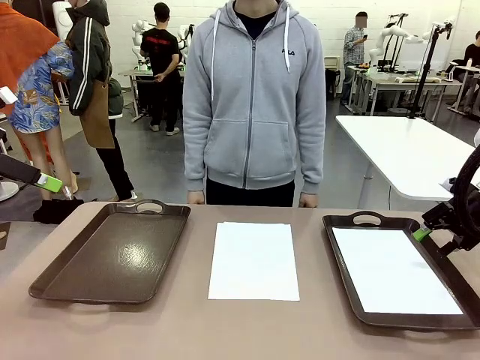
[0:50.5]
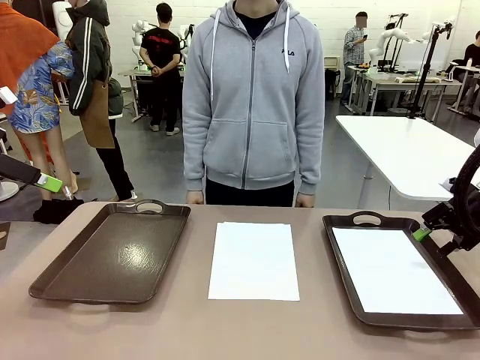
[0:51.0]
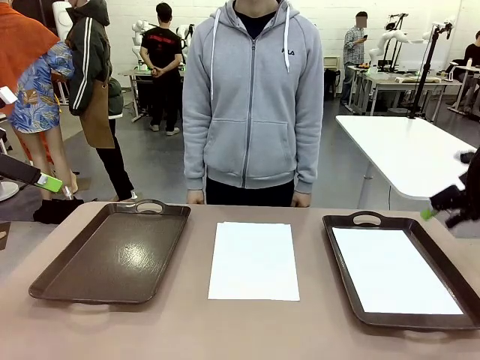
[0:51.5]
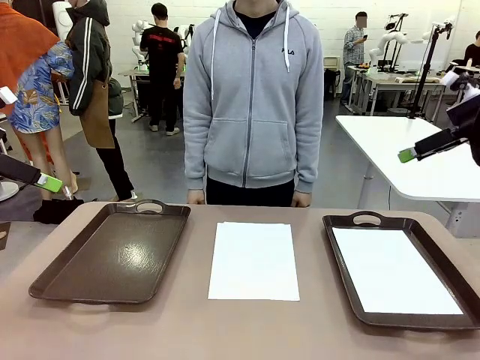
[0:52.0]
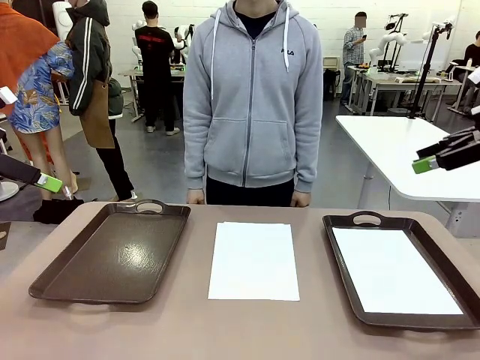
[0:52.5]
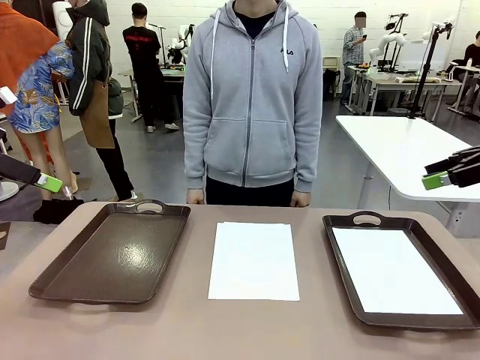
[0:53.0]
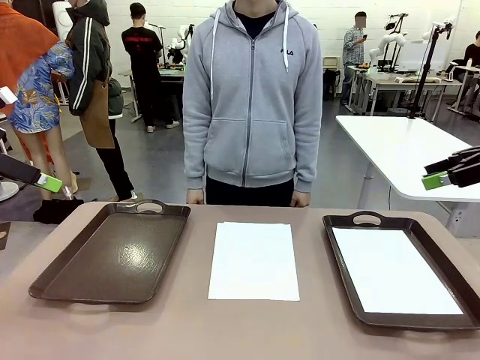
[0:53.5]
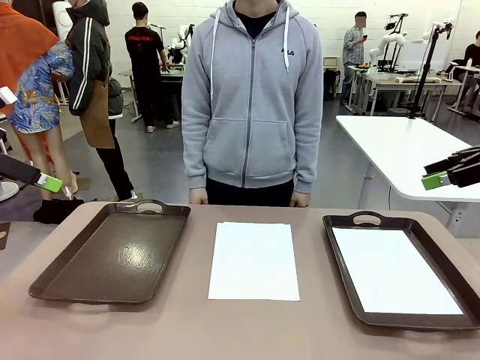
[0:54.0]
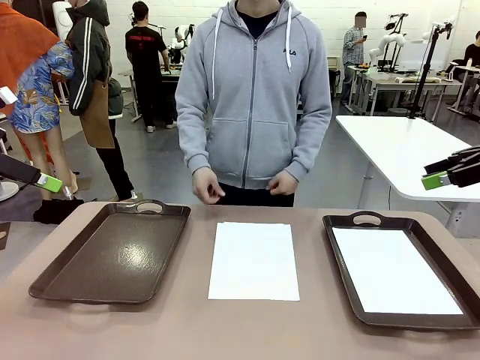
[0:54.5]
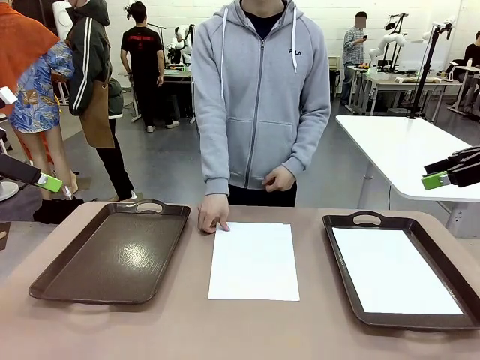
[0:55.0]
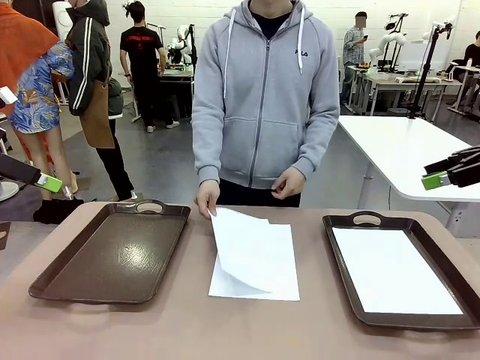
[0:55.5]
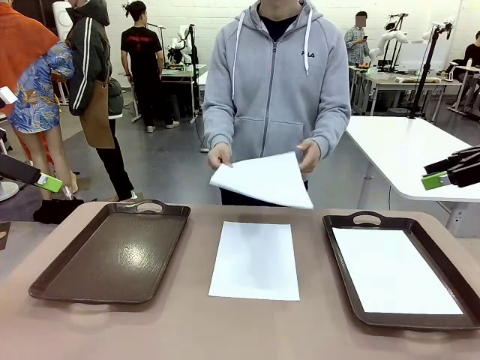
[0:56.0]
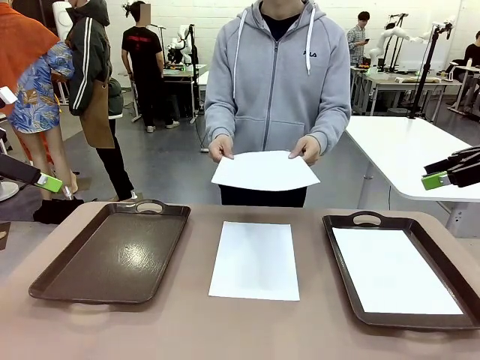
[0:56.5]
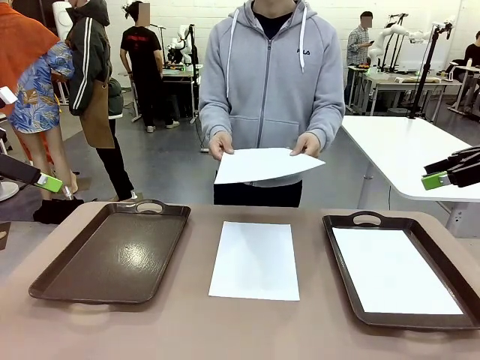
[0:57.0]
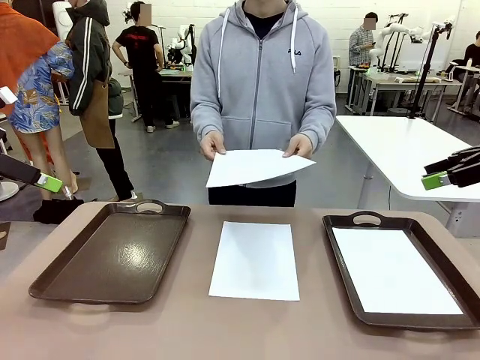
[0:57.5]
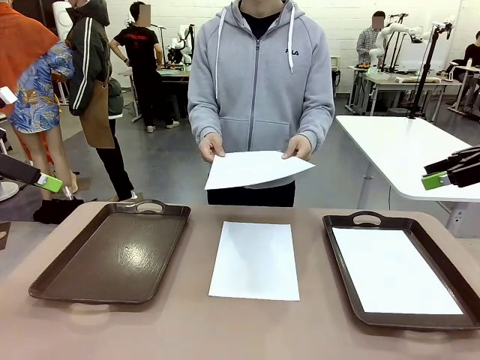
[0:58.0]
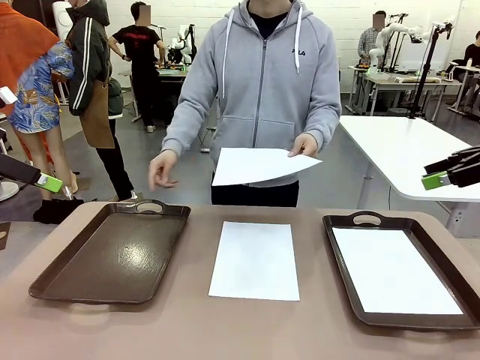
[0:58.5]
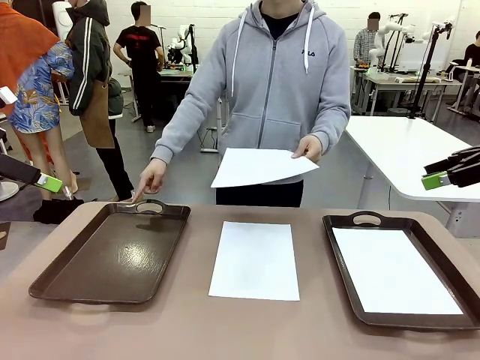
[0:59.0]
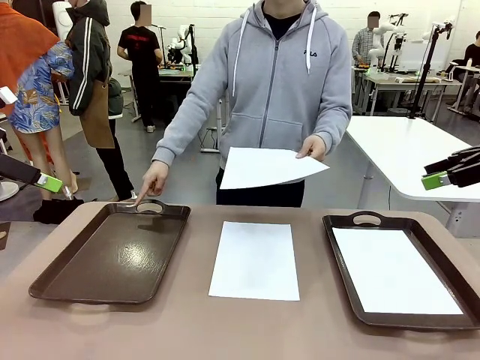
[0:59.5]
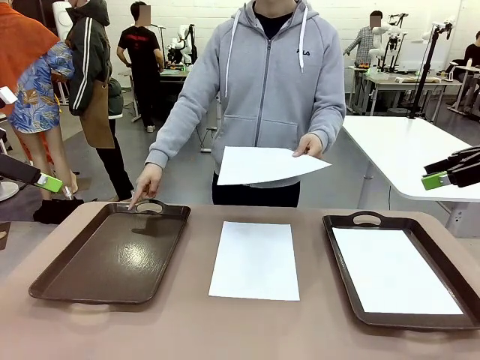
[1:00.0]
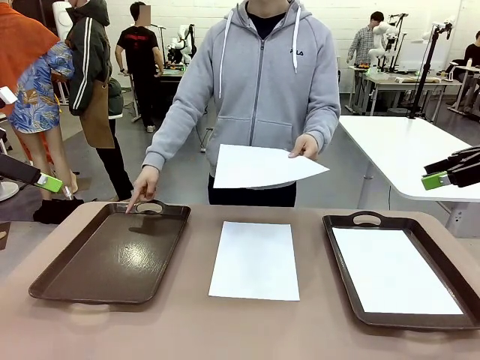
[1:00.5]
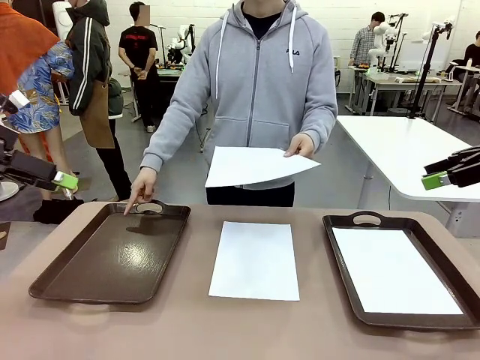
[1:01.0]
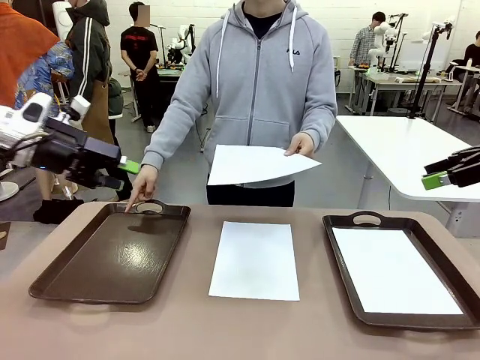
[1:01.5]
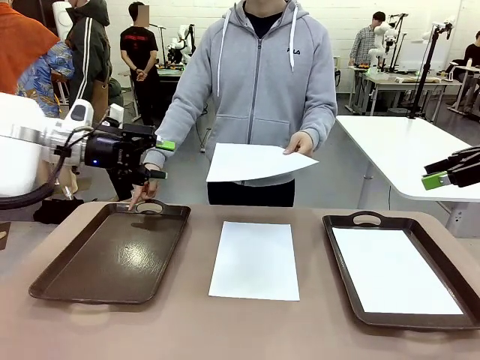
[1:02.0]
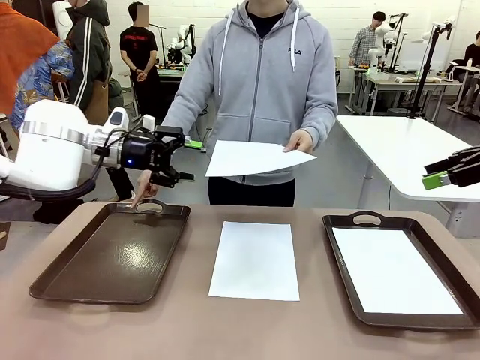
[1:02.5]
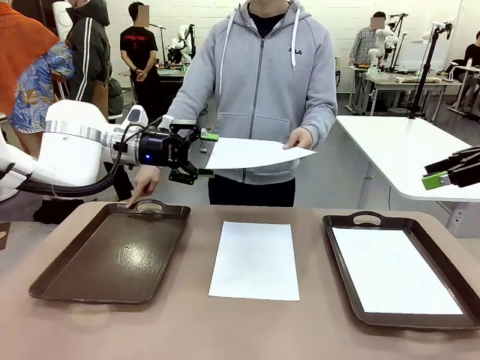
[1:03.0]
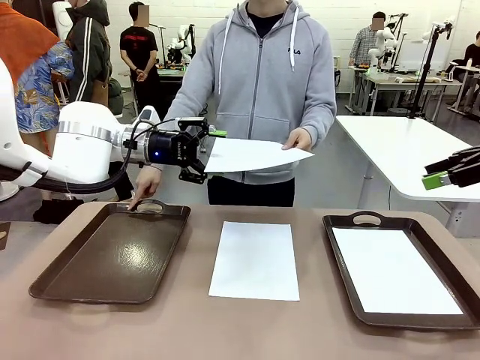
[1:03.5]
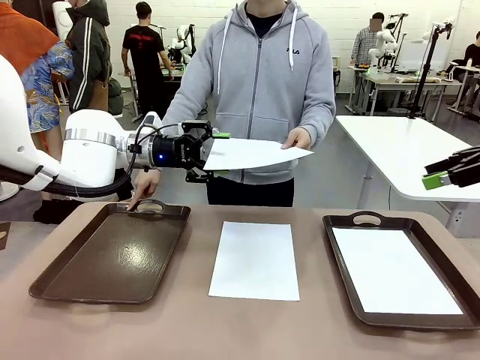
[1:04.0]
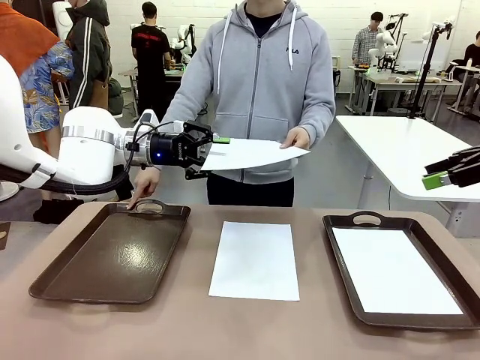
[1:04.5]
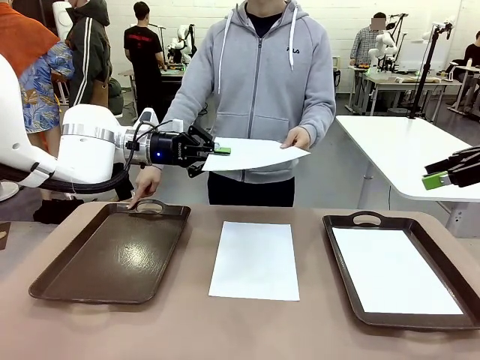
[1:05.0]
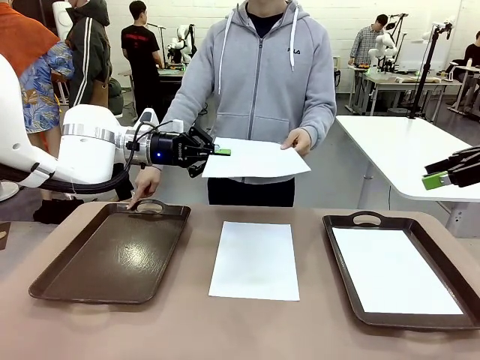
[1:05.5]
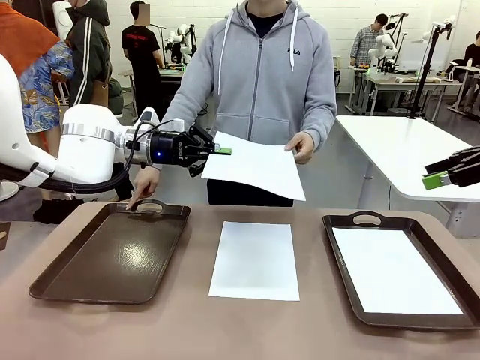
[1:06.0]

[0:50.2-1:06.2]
Task: Sort the A4 documents.
Robot: Receive the A4 Paper.
Person: Point the randomly selected tray with the other hand.

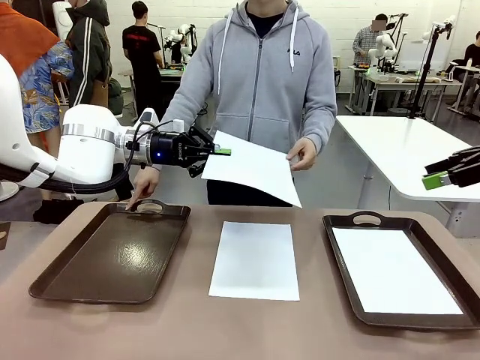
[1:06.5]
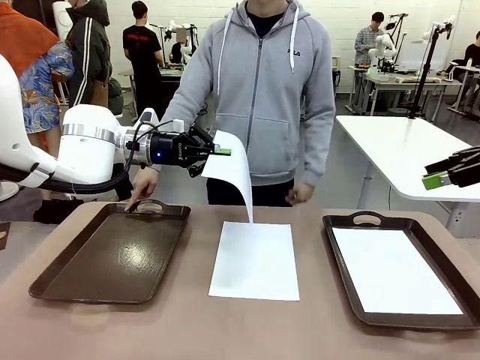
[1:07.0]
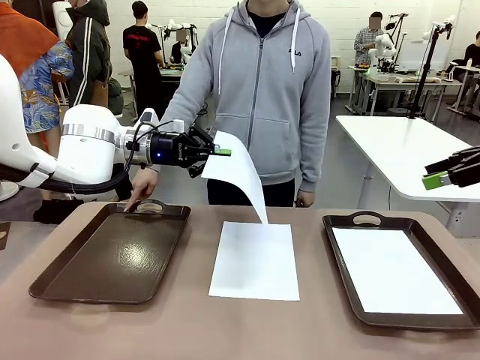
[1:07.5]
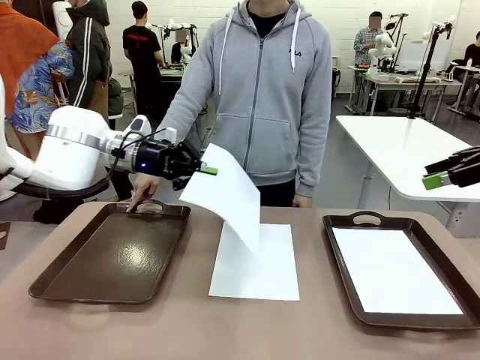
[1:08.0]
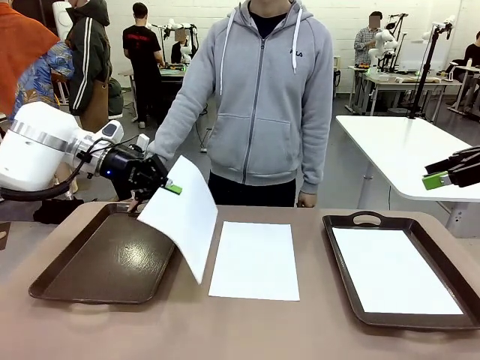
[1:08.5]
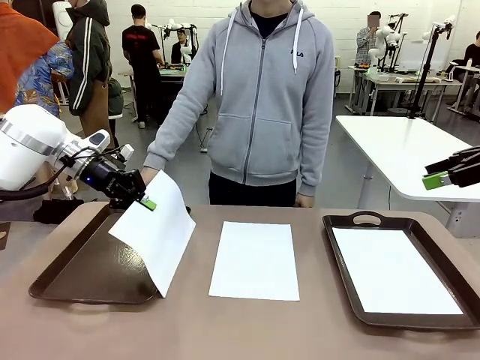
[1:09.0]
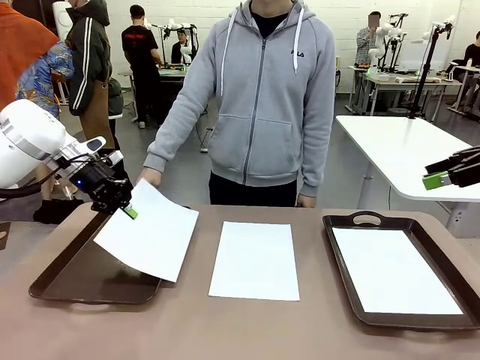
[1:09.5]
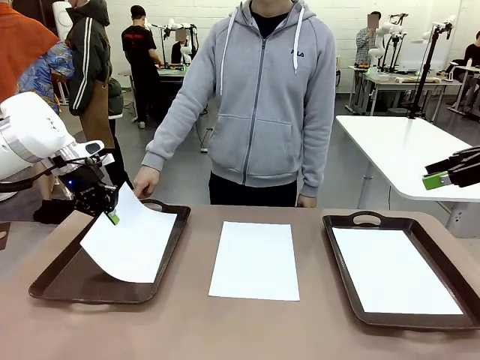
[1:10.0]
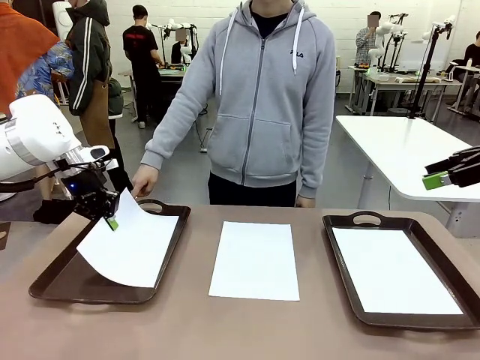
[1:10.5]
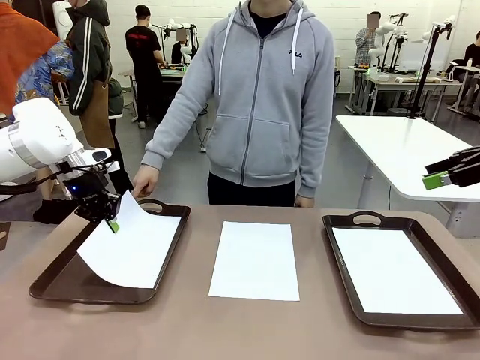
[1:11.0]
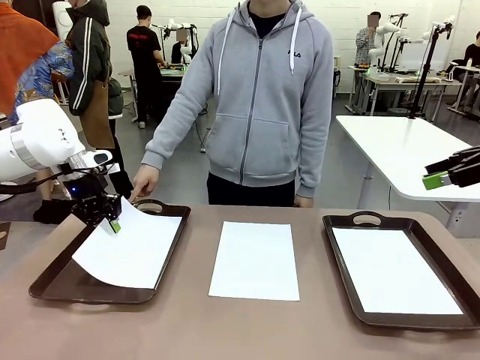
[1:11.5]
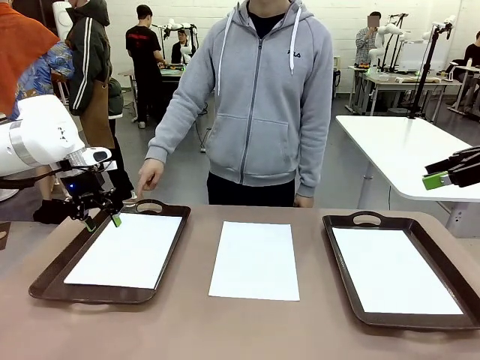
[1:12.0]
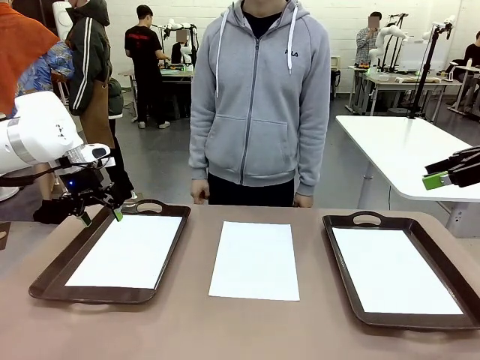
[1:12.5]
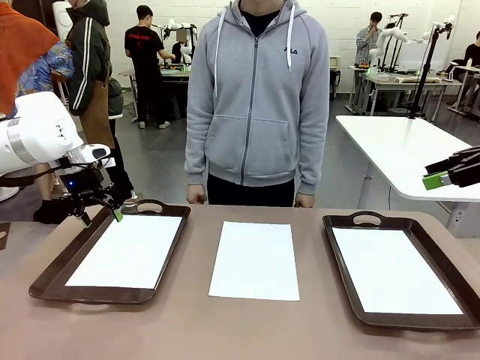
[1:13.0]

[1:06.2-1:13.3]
Robot: Place the A4 Paper in the designated Handle tray.

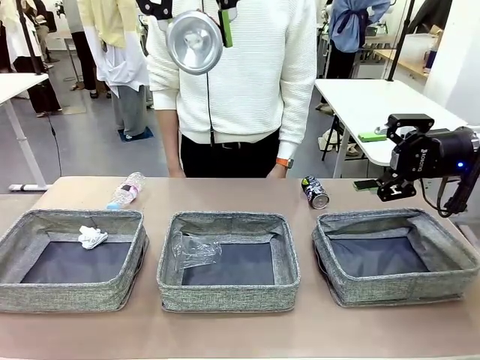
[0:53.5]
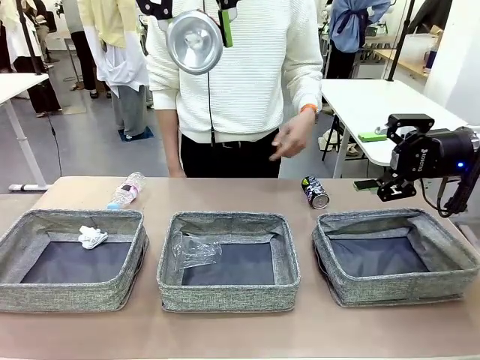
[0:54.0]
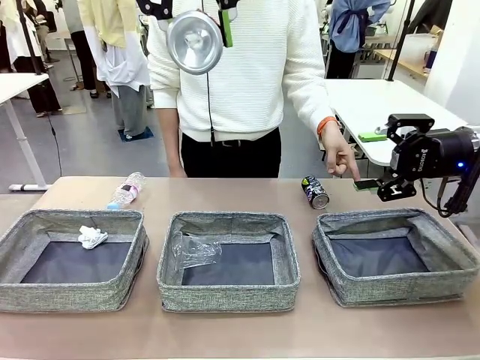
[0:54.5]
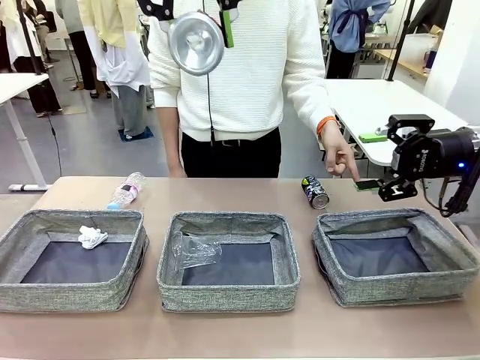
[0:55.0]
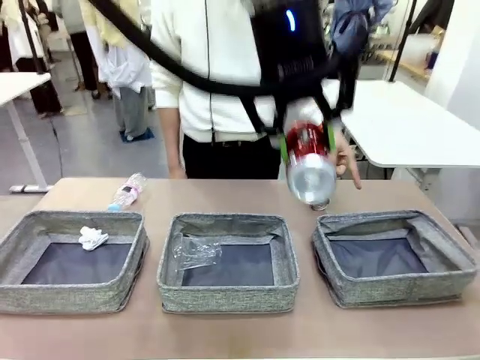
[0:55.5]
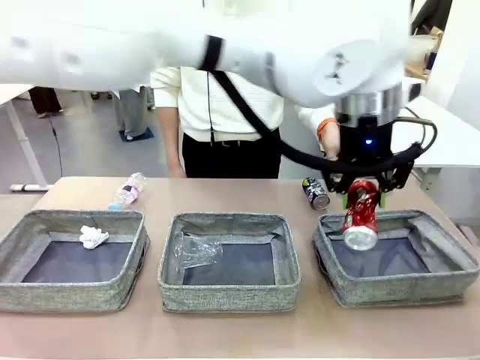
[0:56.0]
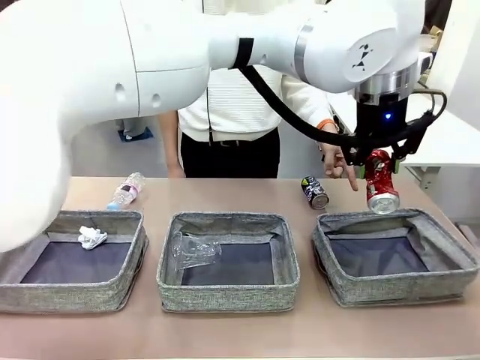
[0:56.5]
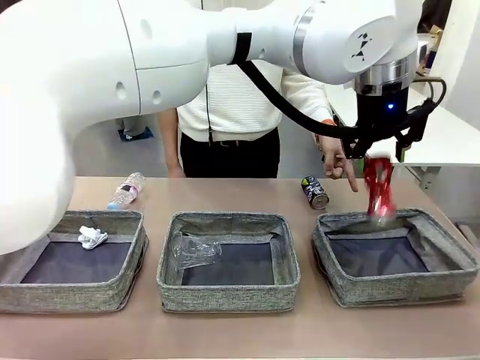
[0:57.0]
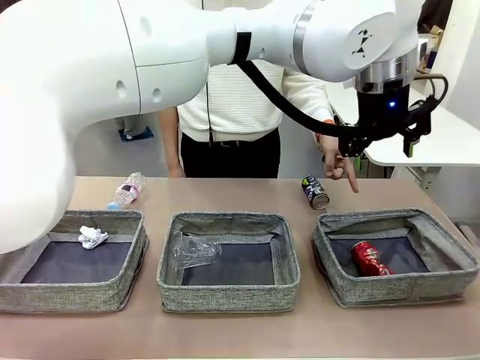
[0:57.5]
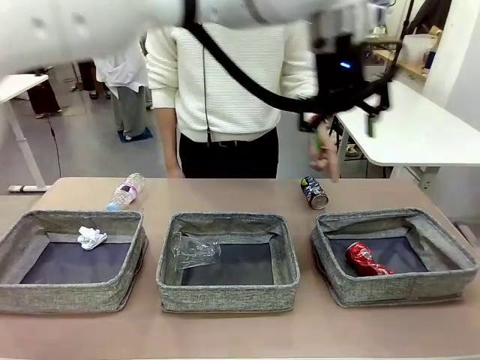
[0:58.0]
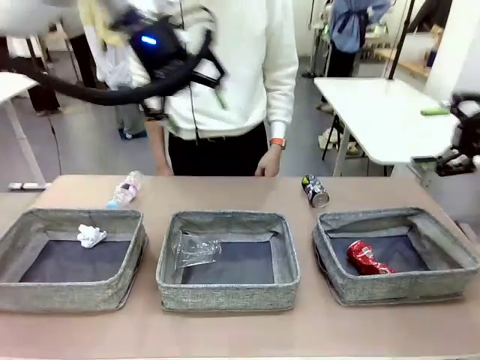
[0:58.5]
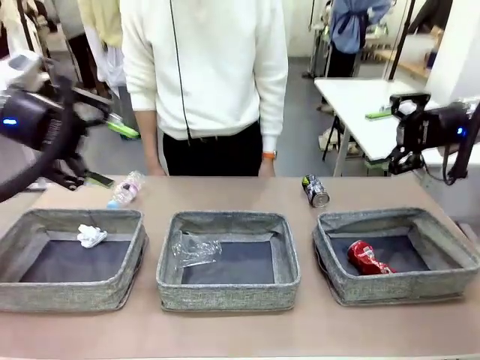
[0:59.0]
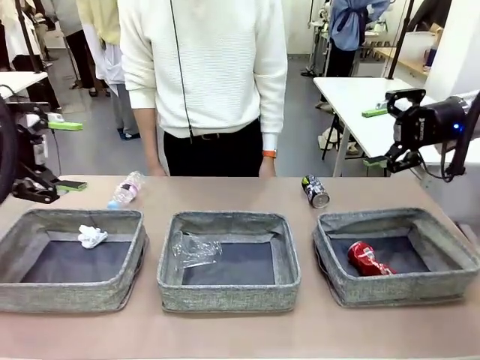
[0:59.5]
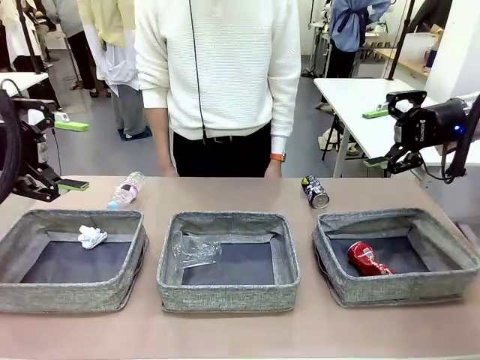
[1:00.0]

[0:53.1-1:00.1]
Task: Sort the waste into the appropriate baskets.
Robot: Place the picked waste into the Fabric basket indicated by the person.
Person: Instructs the robot to place the picked-up trash into the appropriate organizing basket.
